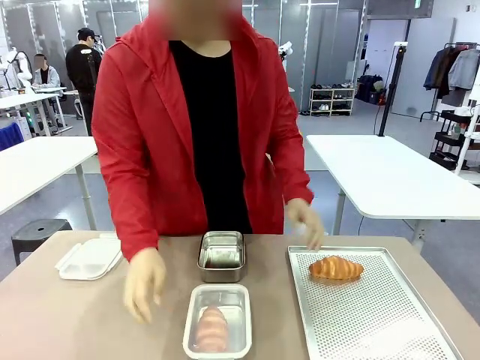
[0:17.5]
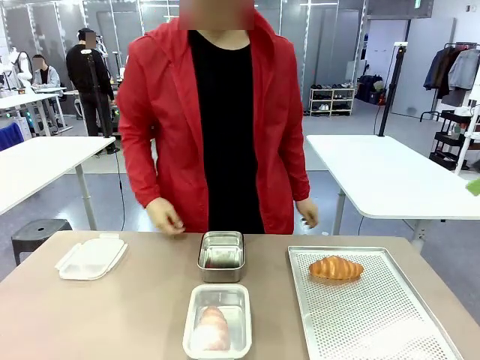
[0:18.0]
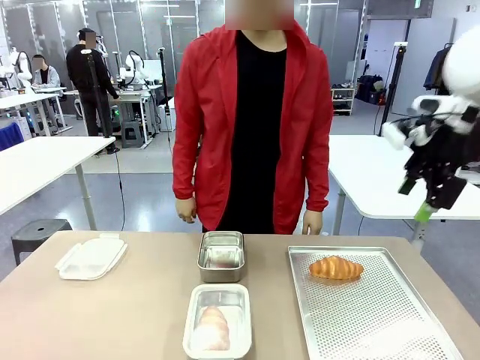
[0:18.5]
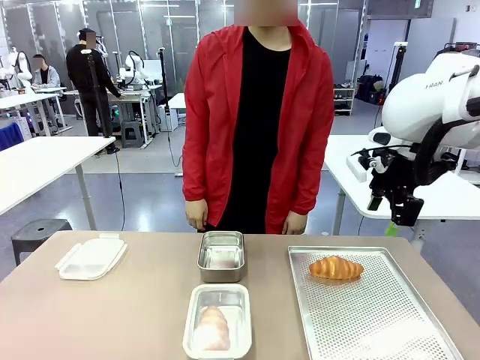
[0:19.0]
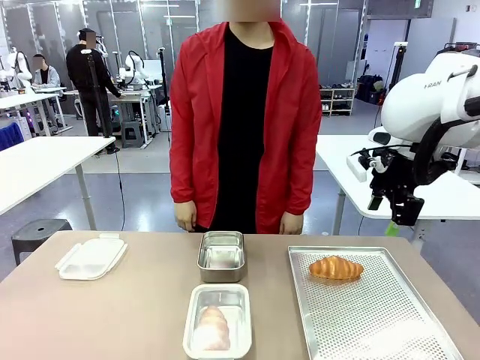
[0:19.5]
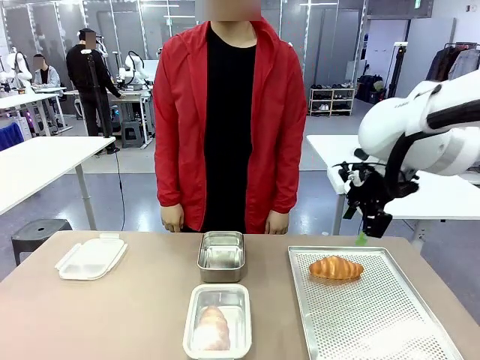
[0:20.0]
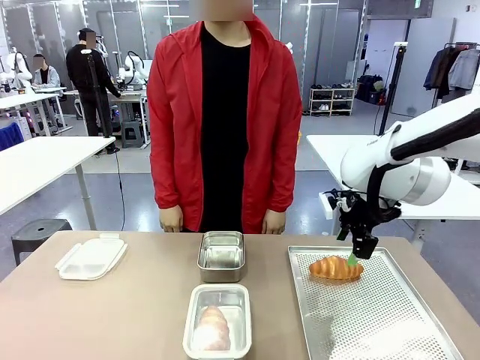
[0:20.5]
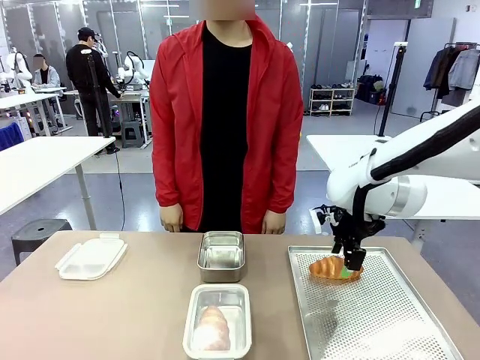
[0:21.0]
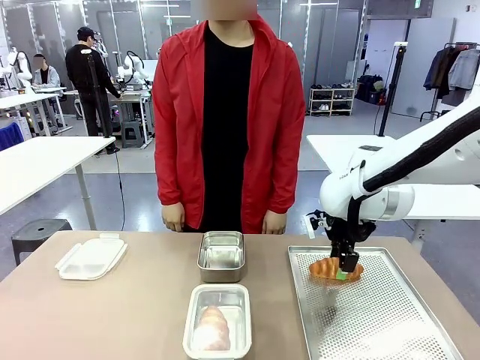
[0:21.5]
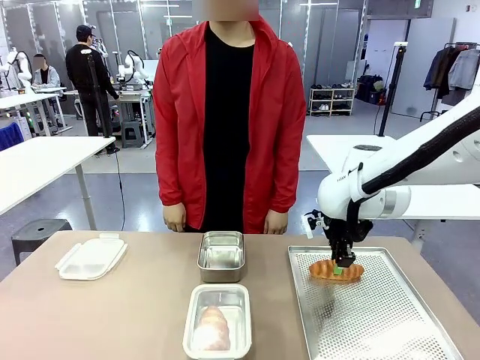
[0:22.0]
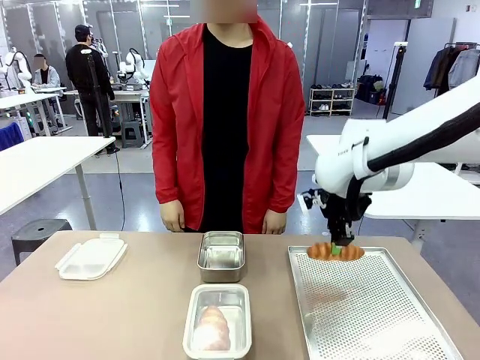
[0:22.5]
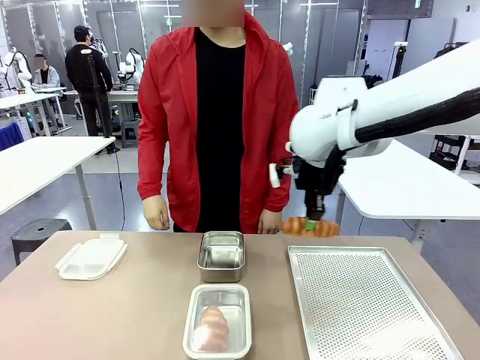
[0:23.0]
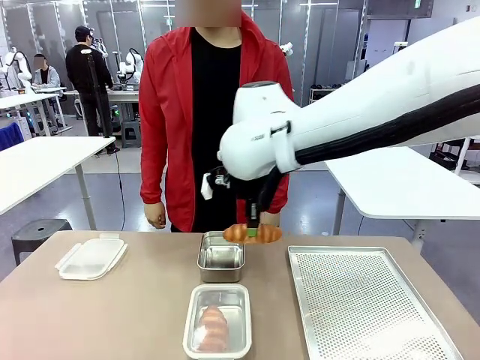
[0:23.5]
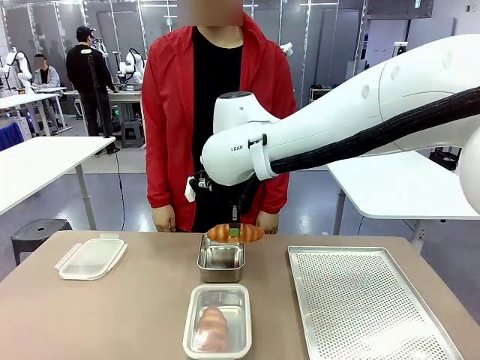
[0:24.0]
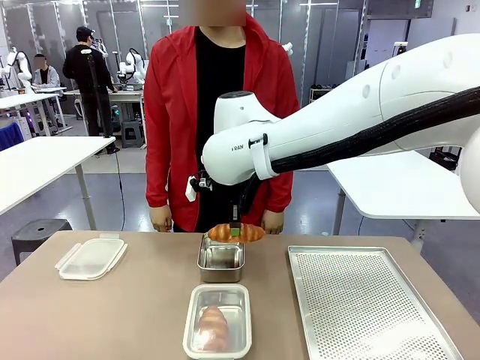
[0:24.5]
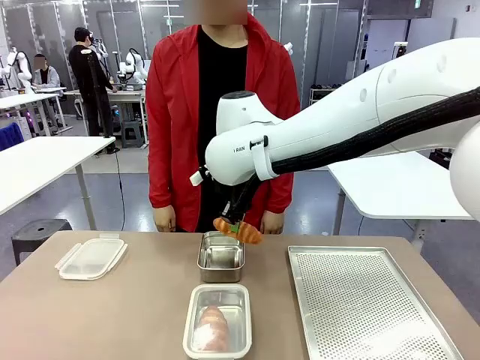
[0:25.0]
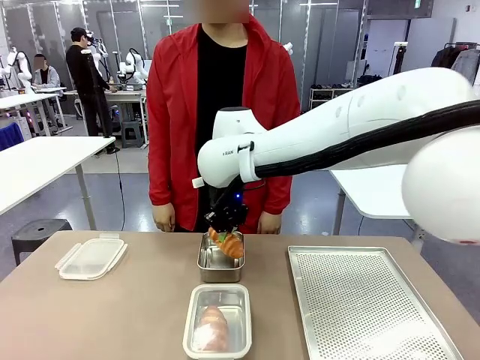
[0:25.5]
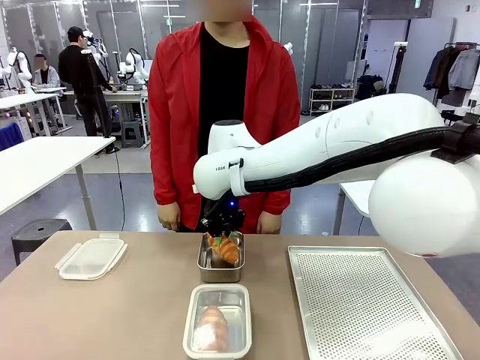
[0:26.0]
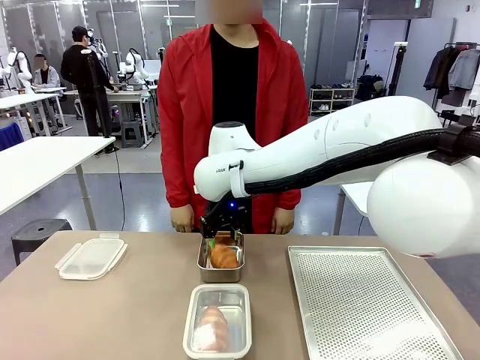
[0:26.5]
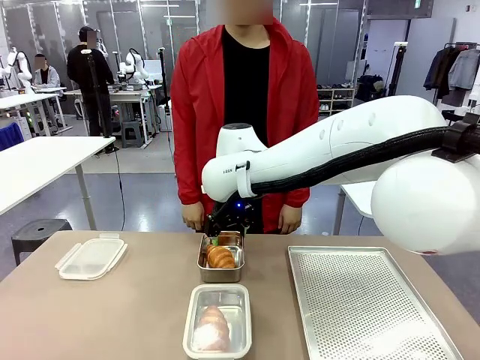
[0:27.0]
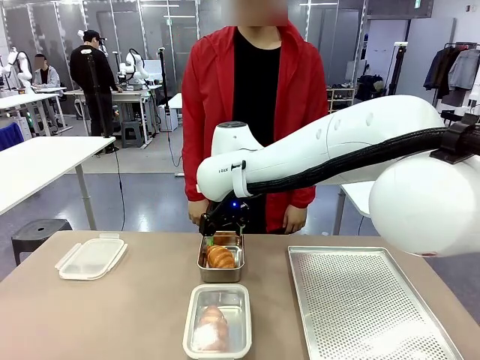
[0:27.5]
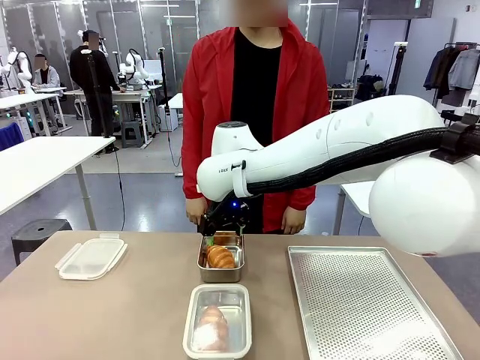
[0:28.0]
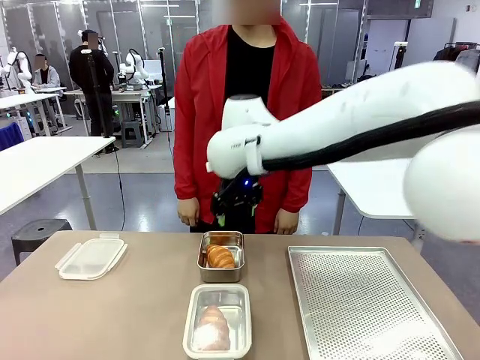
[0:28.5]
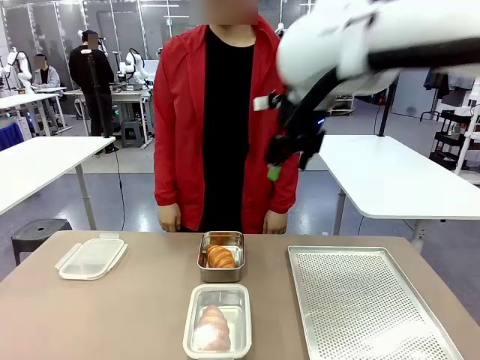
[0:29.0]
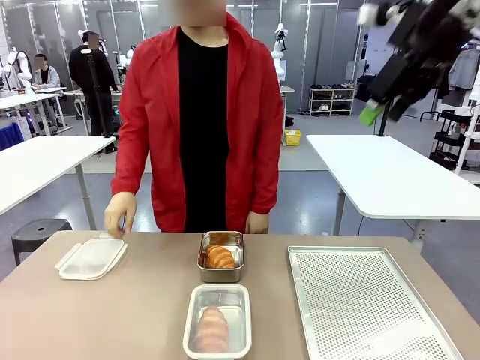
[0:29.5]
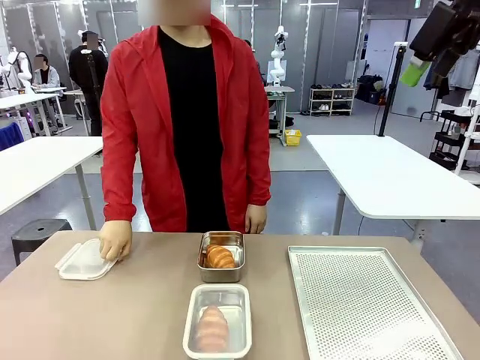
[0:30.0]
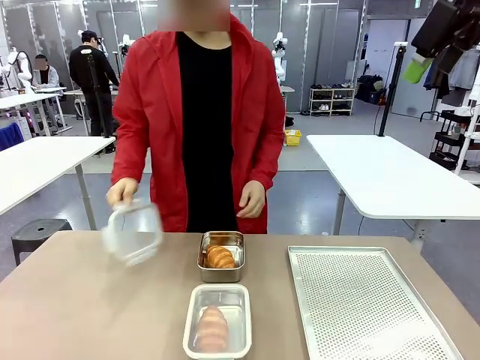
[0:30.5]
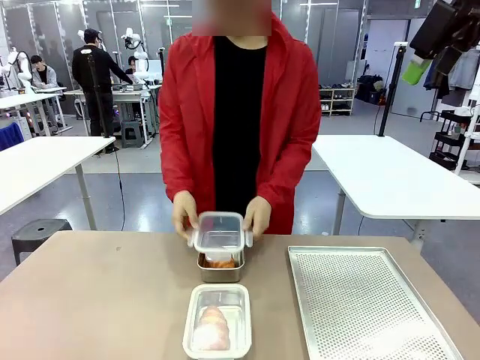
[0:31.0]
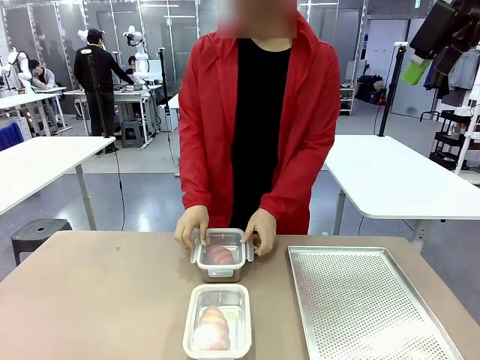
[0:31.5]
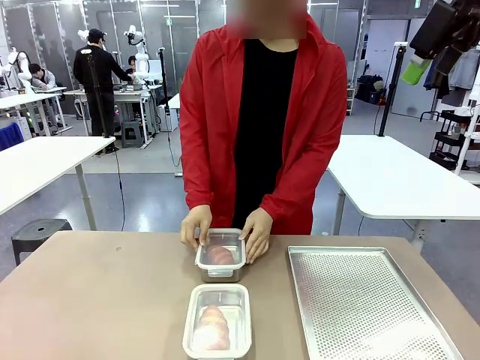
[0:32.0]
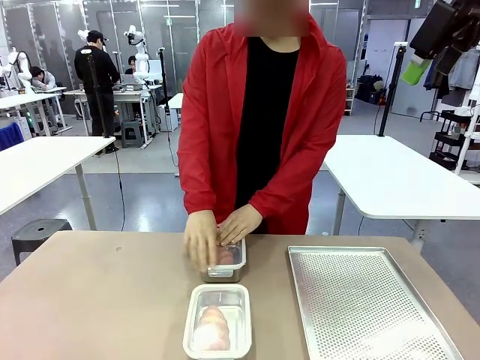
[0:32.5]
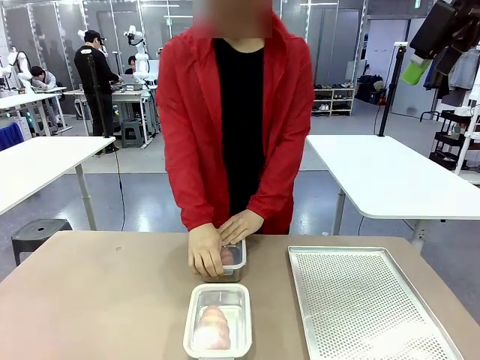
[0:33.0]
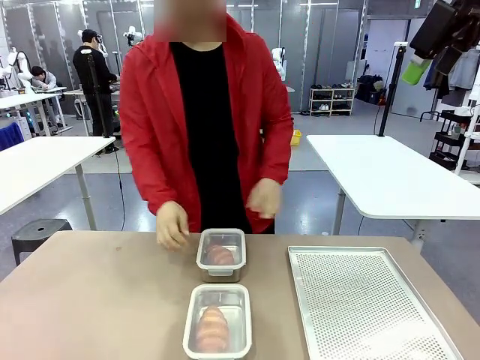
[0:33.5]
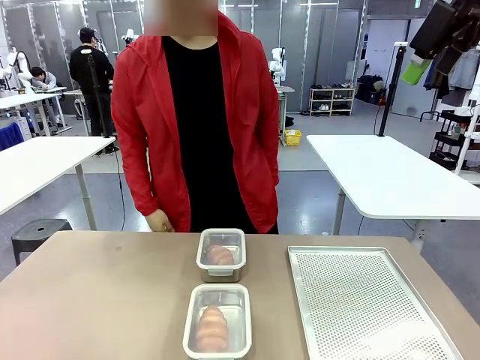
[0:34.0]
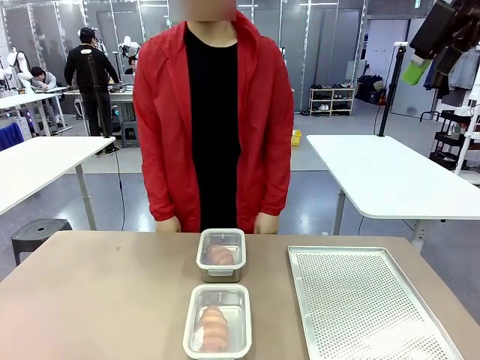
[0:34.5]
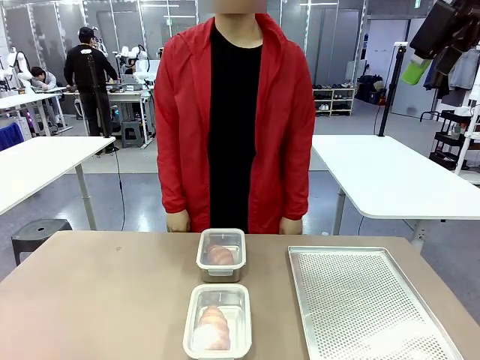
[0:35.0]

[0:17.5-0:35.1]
Task: Place the bread into the airtight container.
Robot: Pick up a Butter Roll and place it into an empty Airtight Container.
Person: Once a Butter Roll is inside an Airtight Container , close the lid of that Airtight Container.

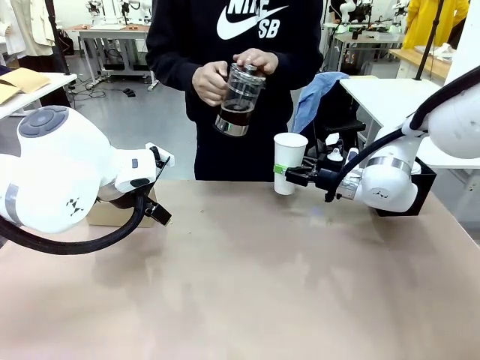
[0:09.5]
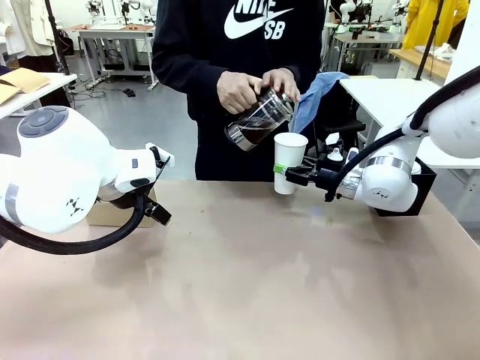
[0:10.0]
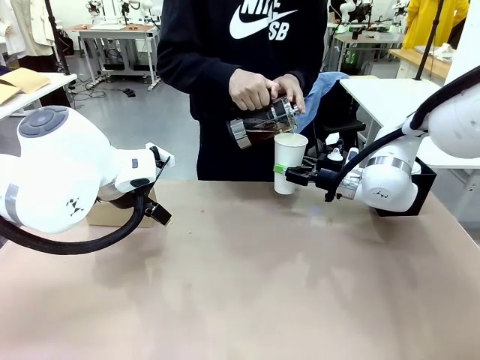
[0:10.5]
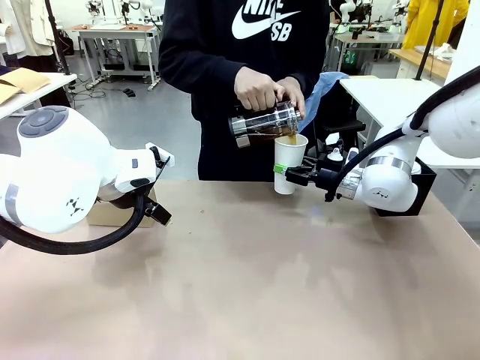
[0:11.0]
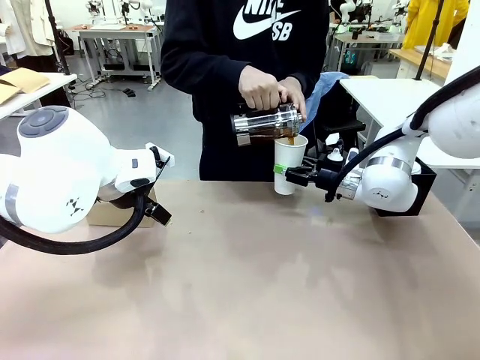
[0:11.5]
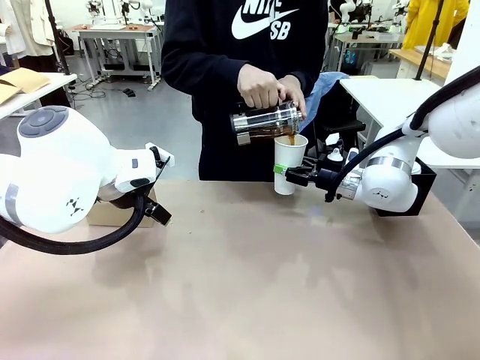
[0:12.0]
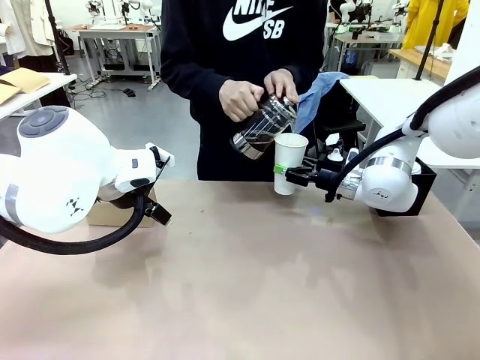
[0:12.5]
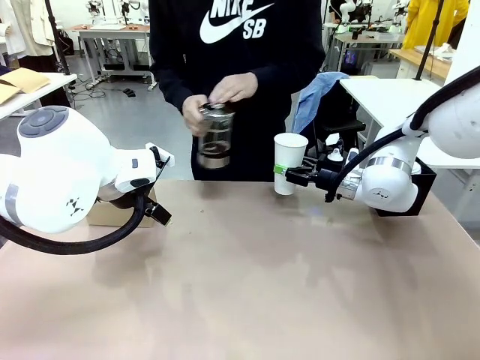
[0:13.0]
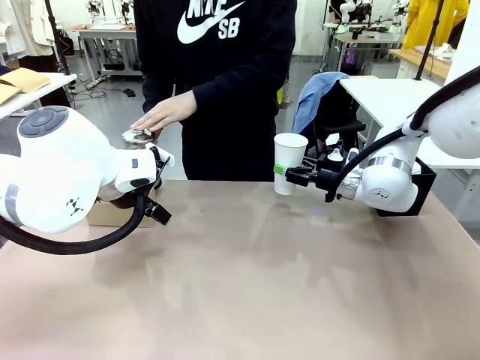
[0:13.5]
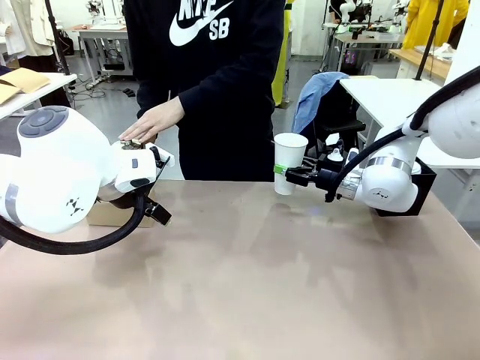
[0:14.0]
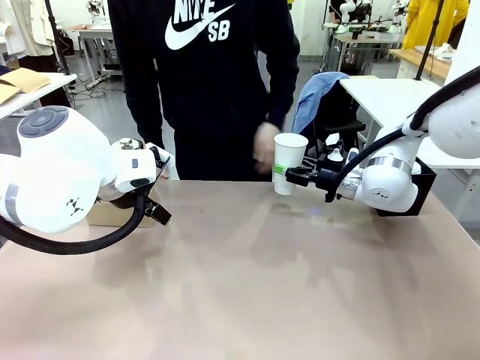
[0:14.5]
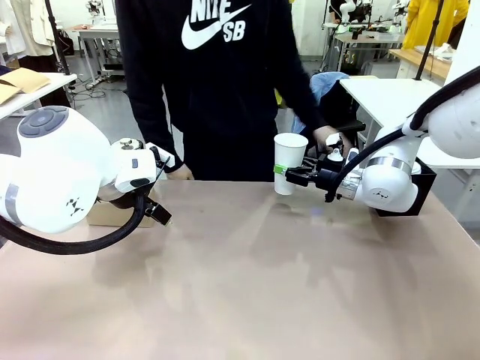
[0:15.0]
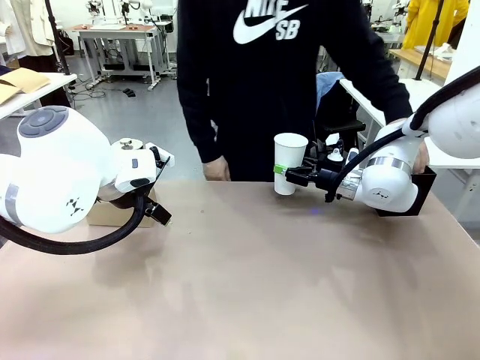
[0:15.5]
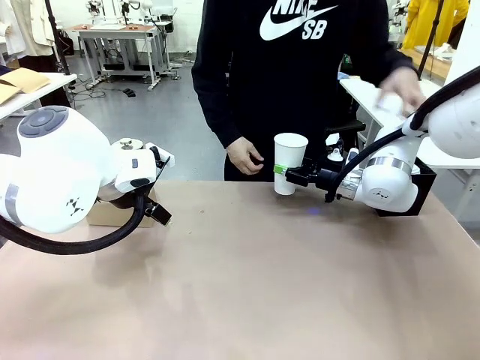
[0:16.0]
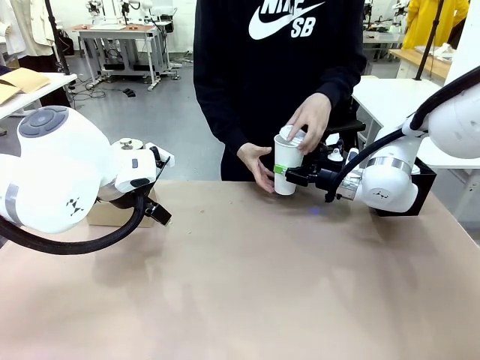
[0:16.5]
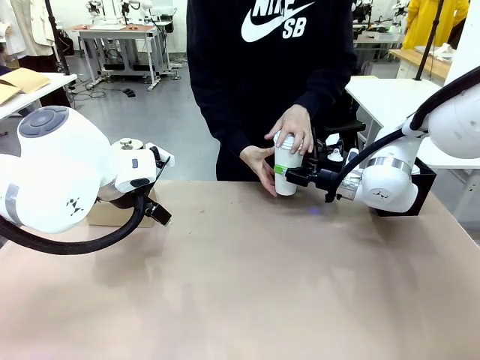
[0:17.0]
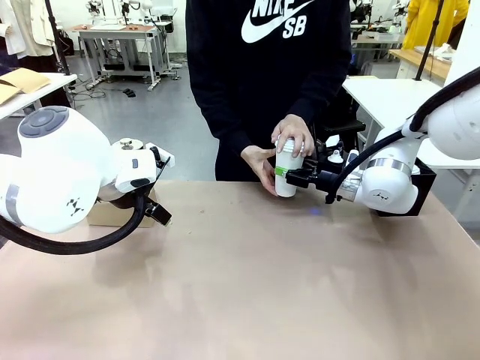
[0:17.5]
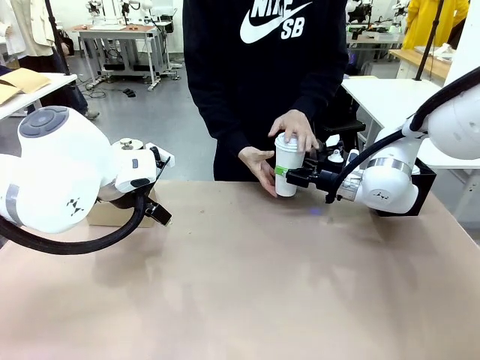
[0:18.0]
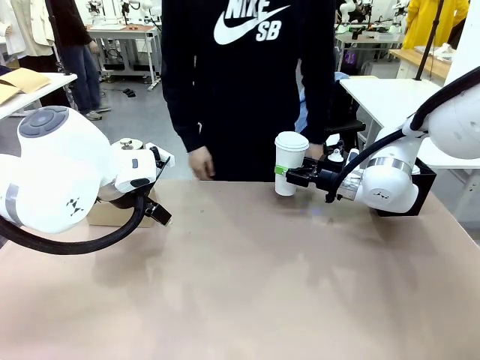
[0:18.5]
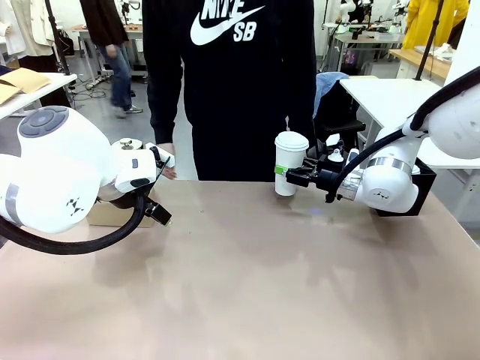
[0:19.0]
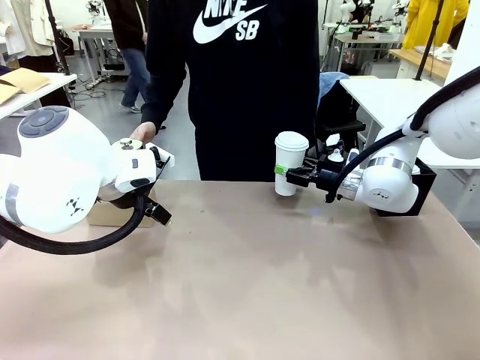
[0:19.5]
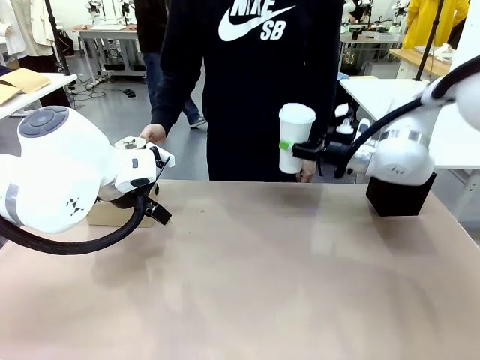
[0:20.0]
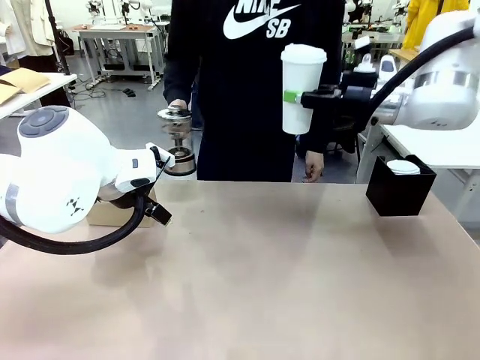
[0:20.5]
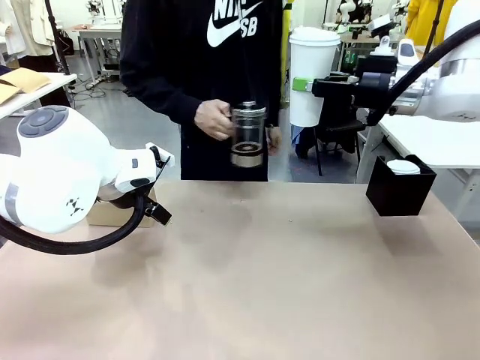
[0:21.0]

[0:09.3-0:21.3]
Task: Pour a drink into a cup and package it in a carrier.
Robot: When a person places the Paper Cup Lid on the 600 ml Paper Cup , lift the 600 ml Paper Cup.
Person: Pour the drink from the Filter Brewing into the 600 ml Paper Cup. Place a Paper Cup Lid on the 600 ml Paper Cup.
